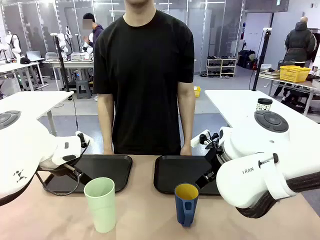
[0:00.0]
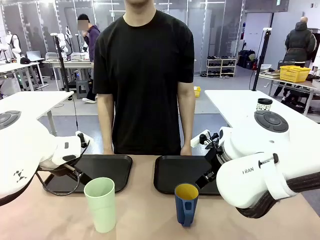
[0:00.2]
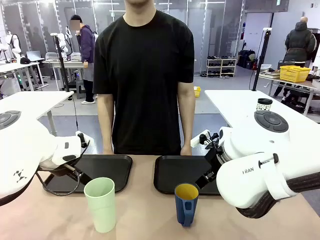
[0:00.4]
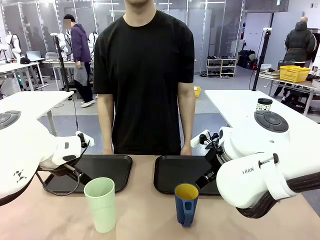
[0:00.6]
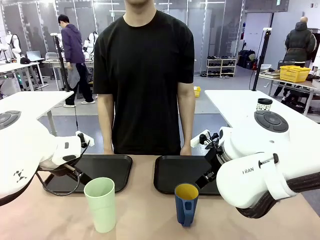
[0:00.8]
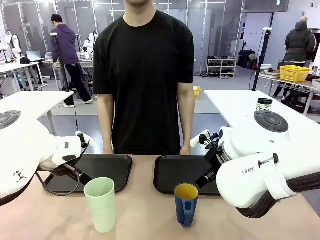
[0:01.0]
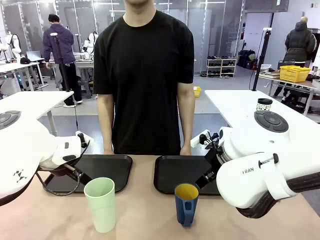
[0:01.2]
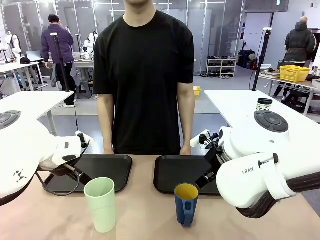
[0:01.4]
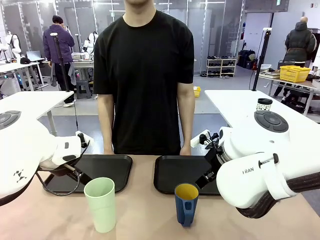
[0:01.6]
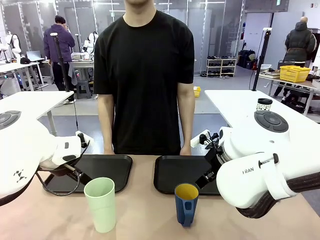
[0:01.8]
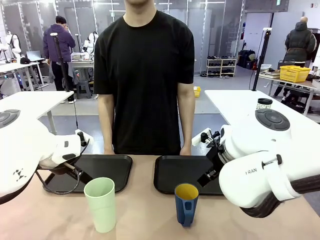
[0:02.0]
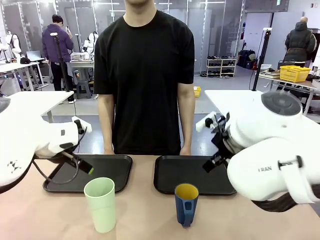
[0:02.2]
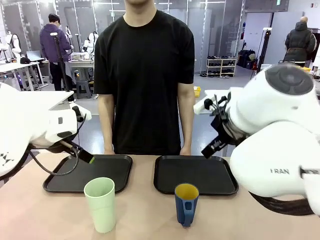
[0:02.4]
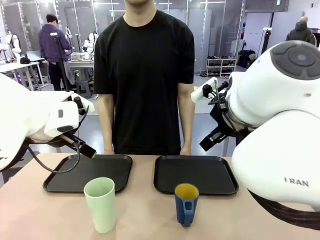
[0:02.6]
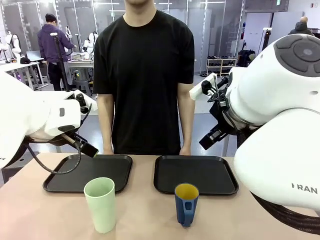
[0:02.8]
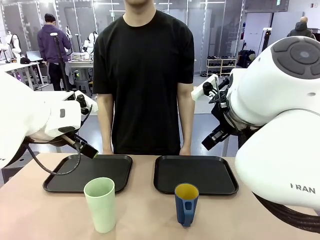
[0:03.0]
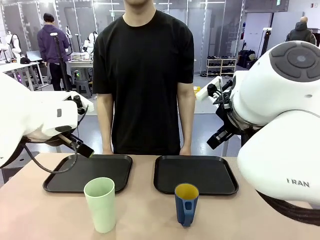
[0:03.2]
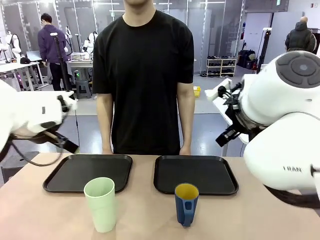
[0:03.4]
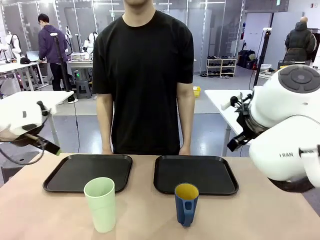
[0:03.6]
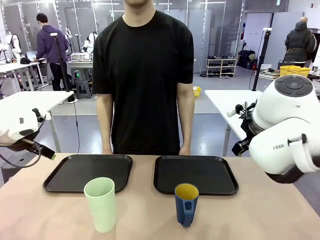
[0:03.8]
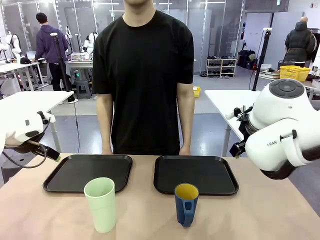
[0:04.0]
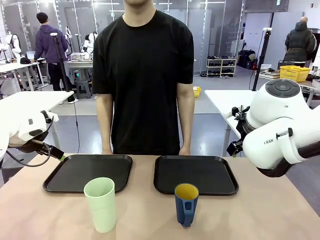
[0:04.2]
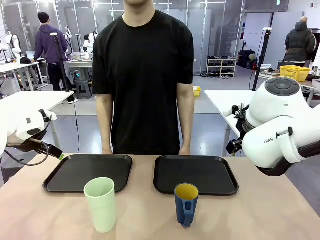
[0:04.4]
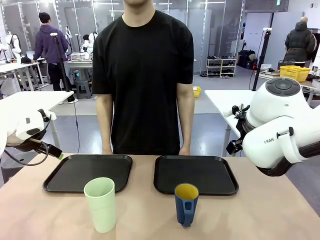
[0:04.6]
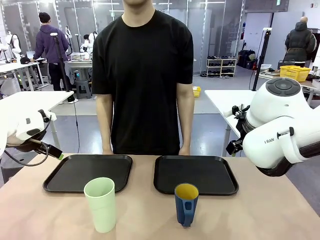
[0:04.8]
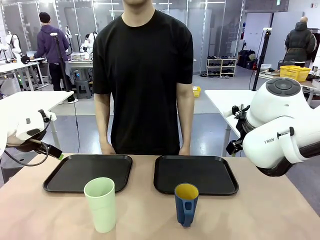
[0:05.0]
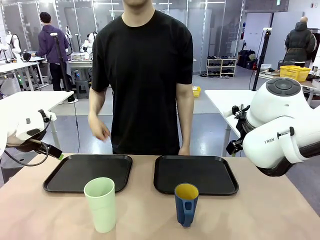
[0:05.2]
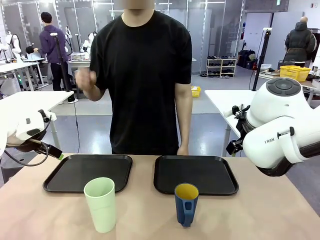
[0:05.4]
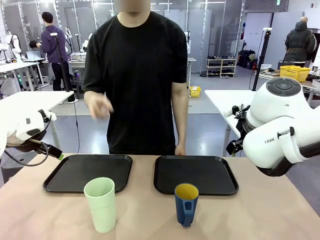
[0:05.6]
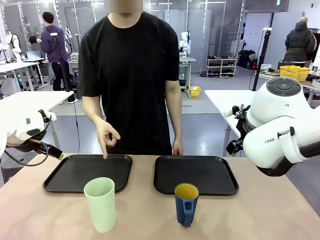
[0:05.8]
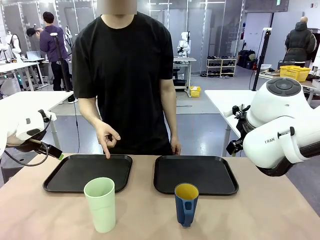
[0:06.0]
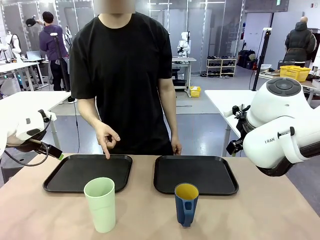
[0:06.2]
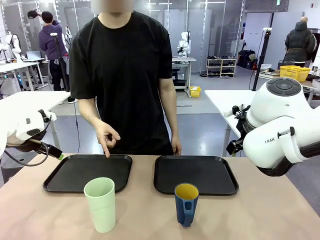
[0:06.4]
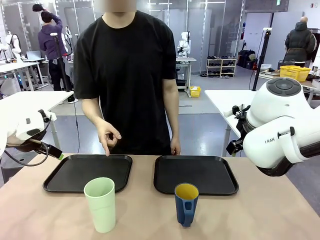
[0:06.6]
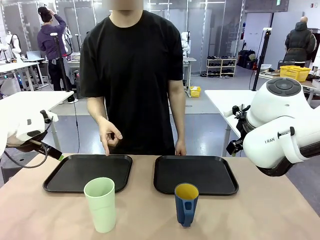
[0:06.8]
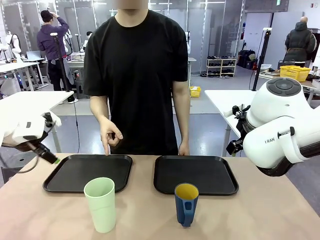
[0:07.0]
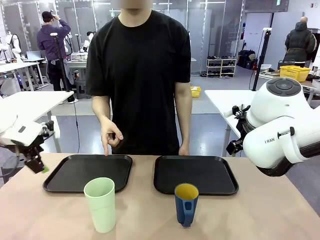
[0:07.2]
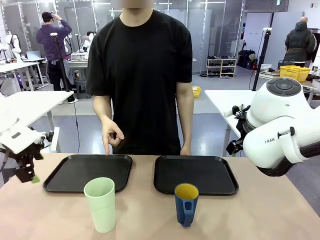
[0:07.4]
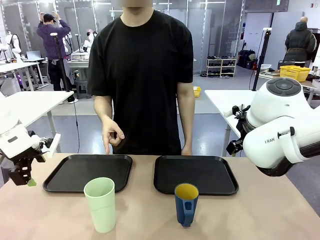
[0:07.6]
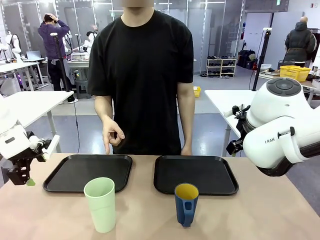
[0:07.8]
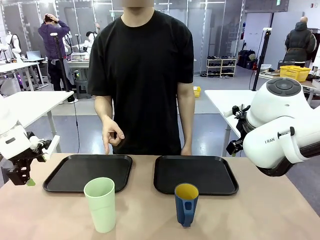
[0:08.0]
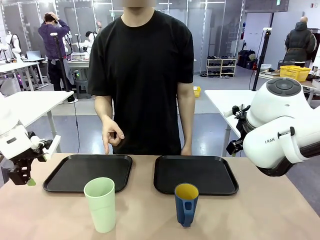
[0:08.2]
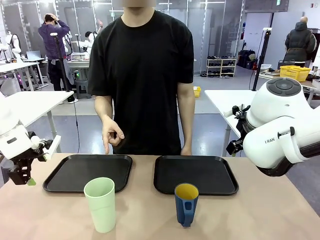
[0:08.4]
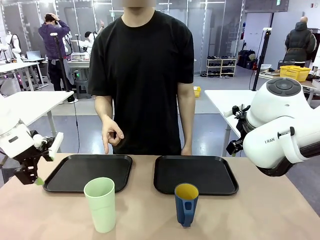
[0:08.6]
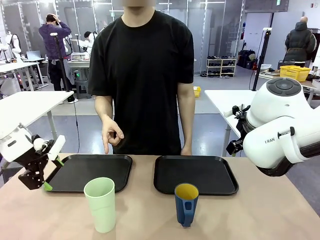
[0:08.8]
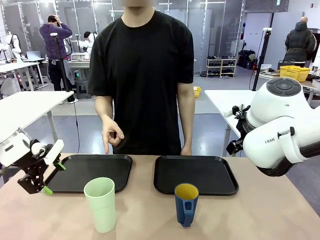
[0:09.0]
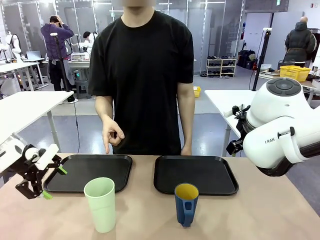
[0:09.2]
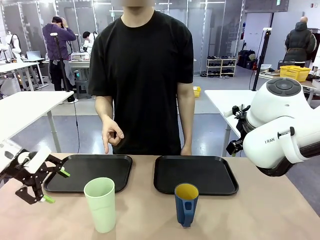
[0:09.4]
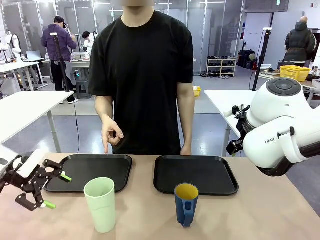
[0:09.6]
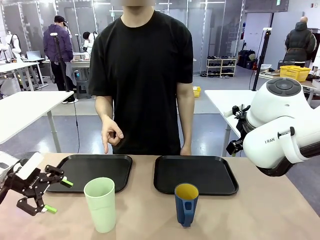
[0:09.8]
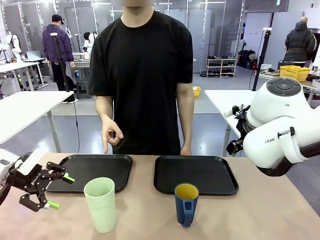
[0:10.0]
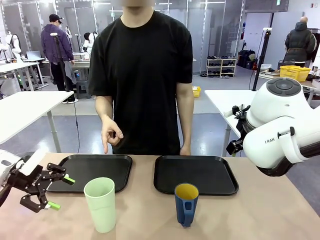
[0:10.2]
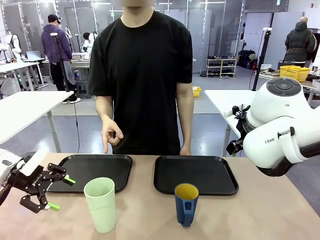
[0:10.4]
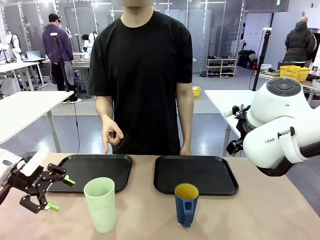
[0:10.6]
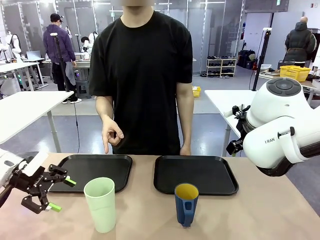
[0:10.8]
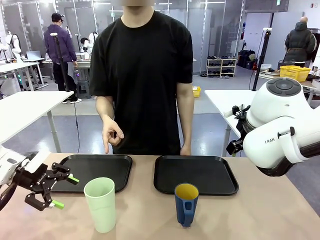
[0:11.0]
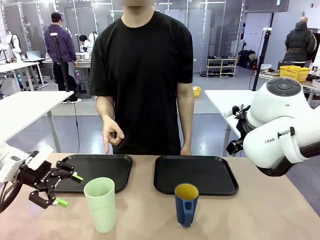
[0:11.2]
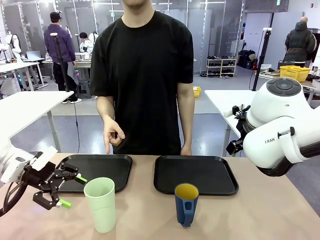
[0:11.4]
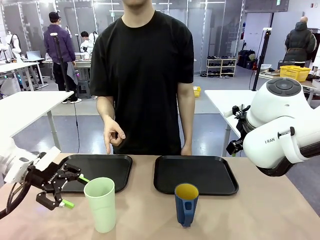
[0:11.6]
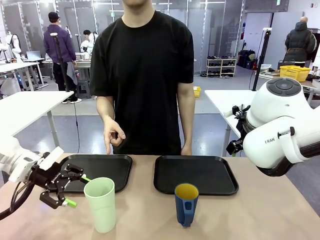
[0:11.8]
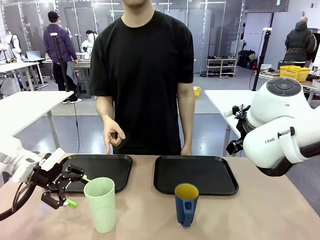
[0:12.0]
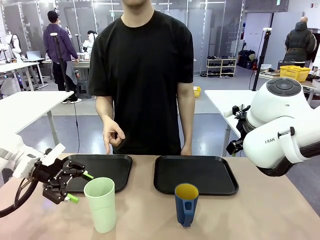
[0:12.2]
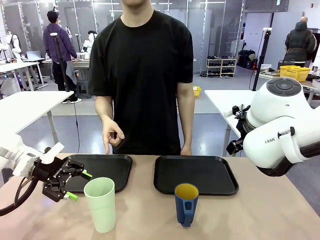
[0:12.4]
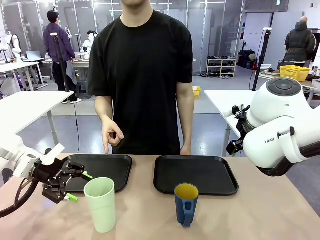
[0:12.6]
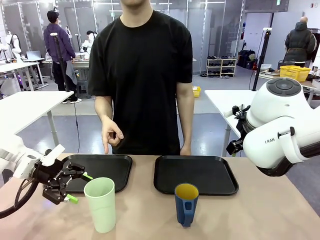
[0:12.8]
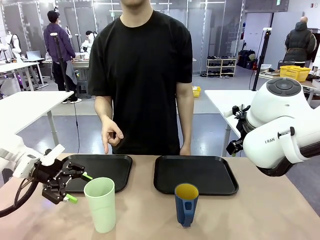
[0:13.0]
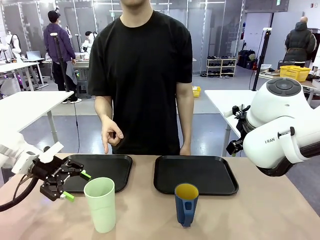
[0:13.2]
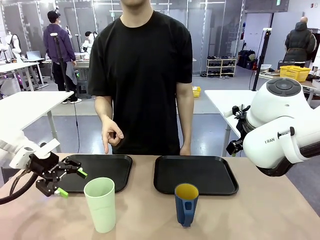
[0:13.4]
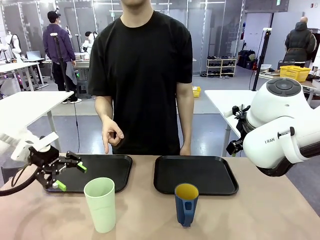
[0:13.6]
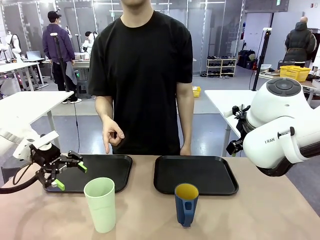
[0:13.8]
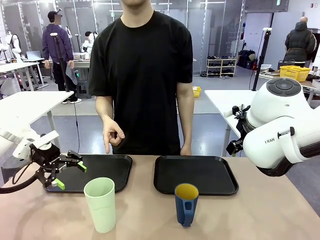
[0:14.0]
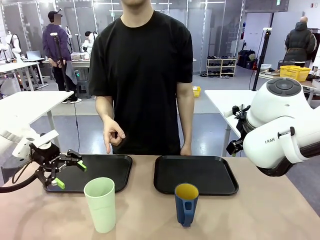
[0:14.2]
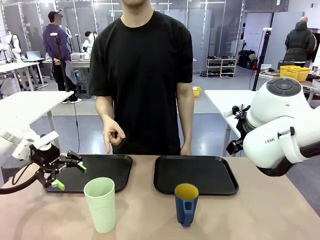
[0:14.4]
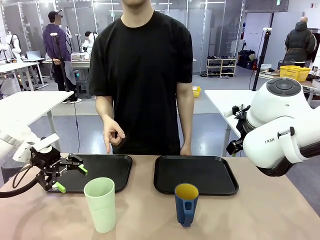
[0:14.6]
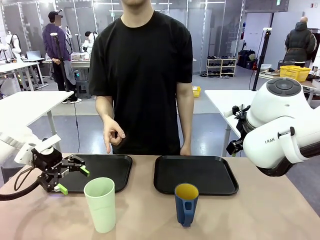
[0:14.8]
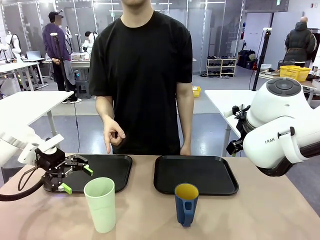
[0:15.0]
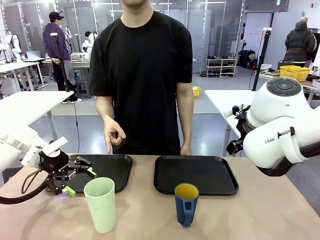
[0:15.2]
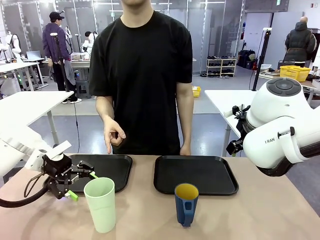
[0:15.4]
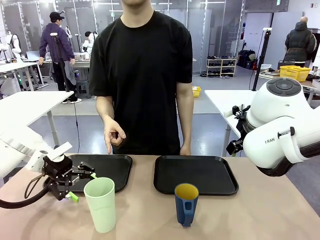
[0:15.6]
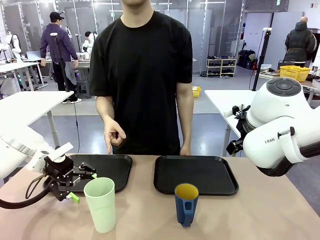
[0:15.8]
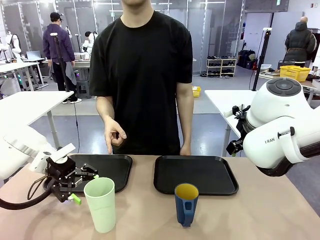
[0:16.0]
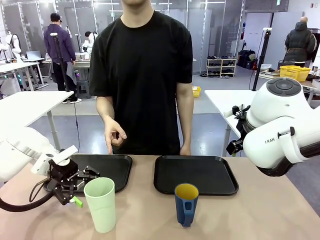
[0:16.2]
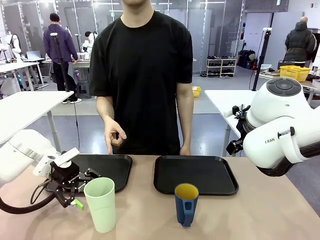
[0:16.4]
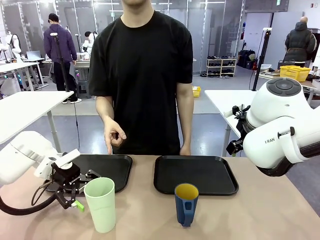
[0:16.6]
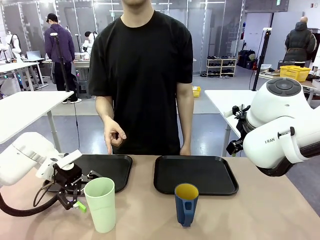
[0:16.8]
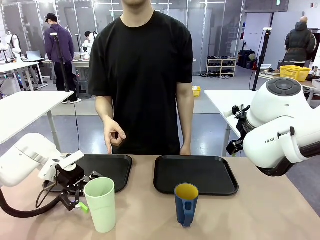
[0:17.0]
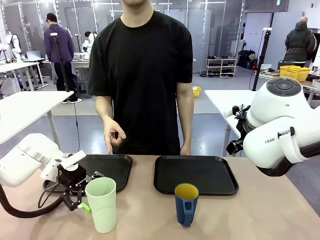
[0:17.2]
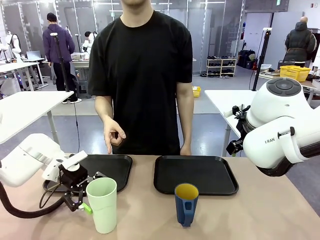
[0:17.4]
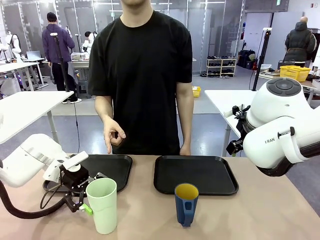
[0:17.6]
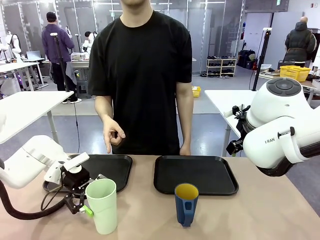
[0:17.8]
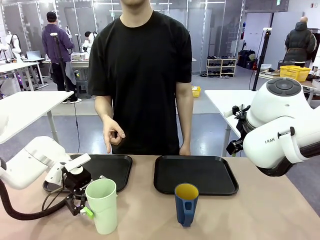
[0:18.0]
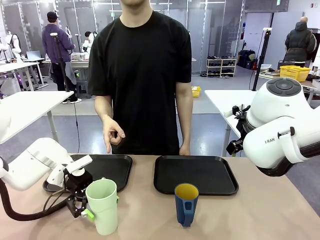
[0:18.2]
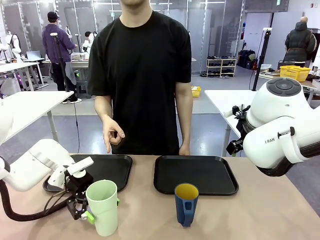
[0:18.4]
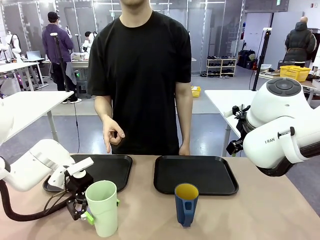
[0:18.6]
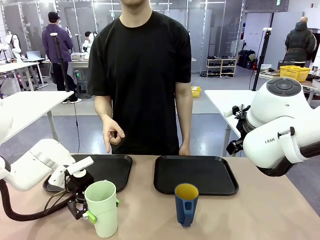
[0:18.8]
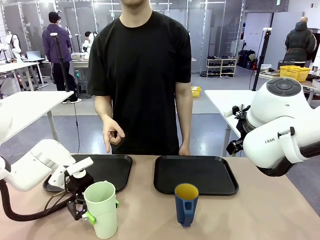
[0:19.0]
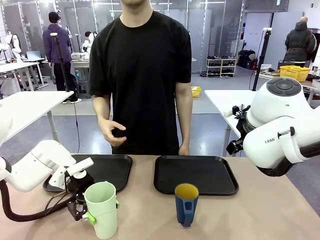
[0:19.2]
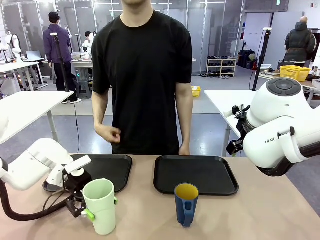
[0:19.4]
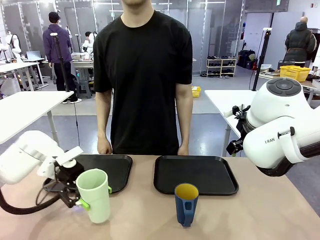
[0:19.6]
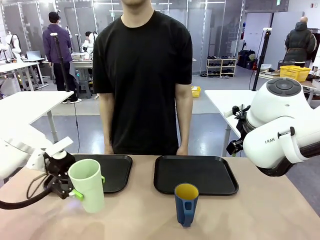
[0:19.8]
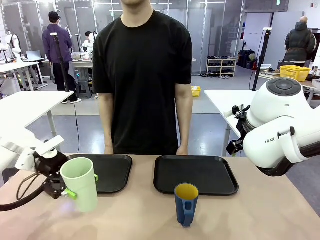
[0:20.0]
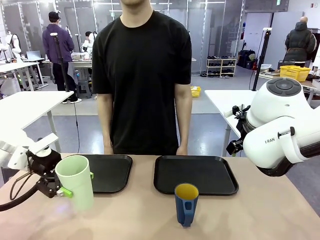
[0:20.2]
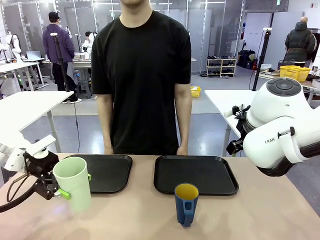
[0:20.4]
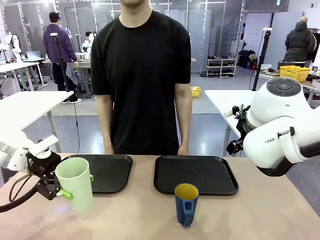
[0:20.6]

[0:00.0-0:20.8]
Task: Sort and store the cups by type.
Robot: Pick up the Reusable plastic cup.
Person: Points to the reusable cup. Point to one of the two trays.
